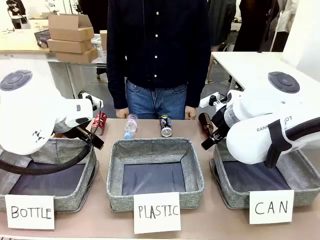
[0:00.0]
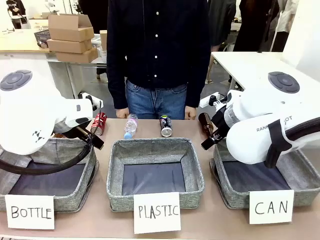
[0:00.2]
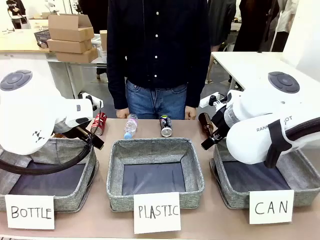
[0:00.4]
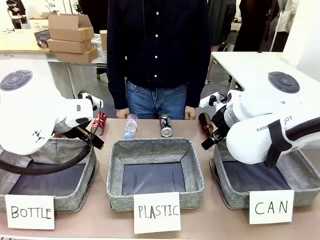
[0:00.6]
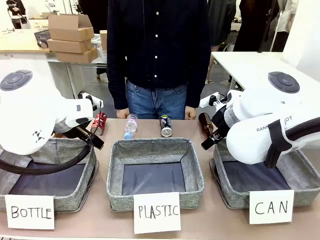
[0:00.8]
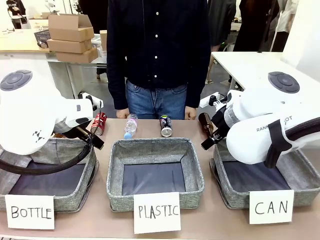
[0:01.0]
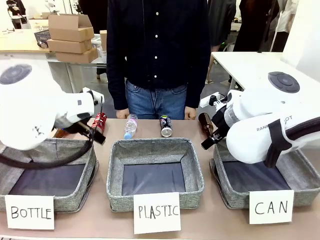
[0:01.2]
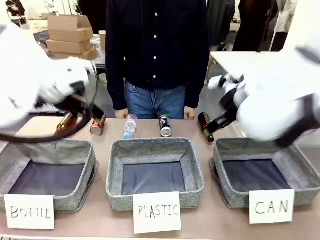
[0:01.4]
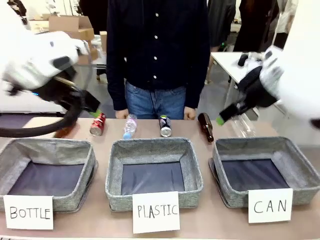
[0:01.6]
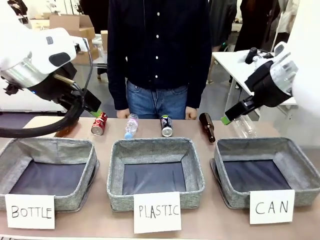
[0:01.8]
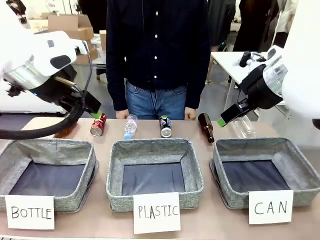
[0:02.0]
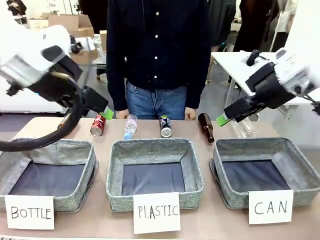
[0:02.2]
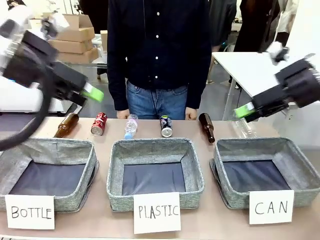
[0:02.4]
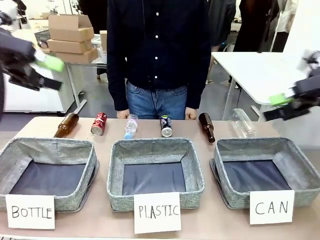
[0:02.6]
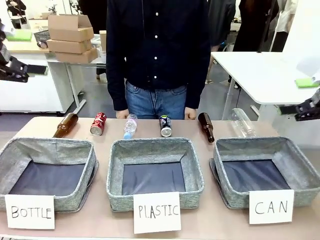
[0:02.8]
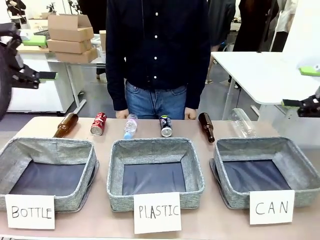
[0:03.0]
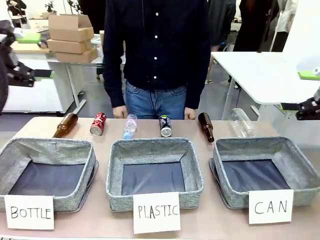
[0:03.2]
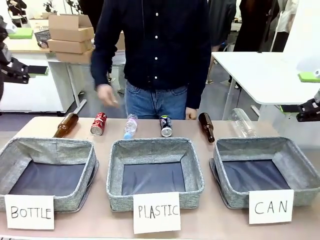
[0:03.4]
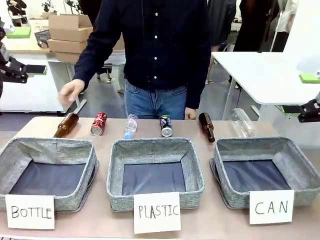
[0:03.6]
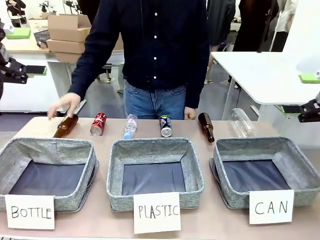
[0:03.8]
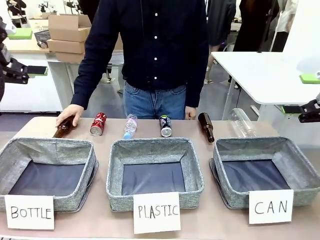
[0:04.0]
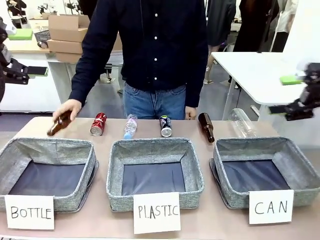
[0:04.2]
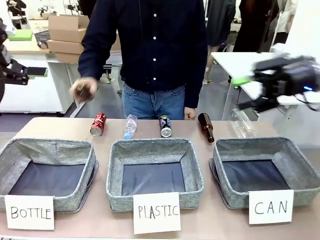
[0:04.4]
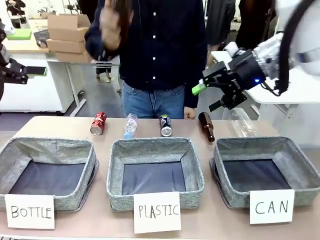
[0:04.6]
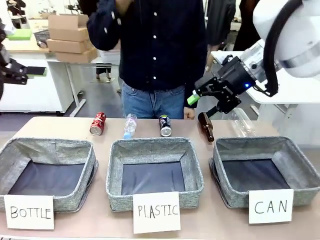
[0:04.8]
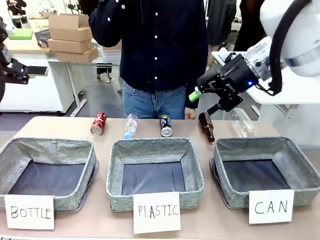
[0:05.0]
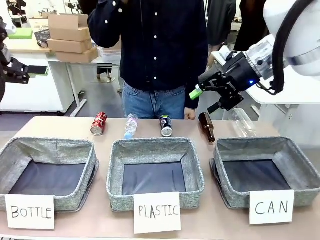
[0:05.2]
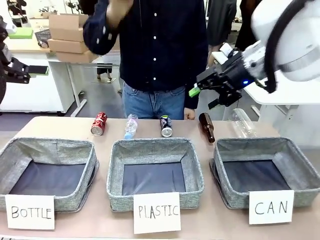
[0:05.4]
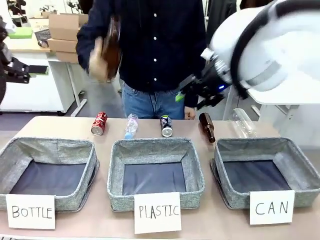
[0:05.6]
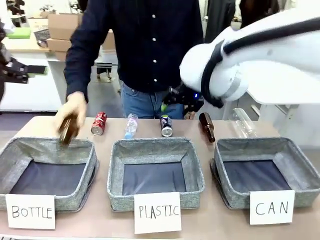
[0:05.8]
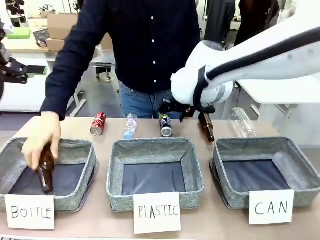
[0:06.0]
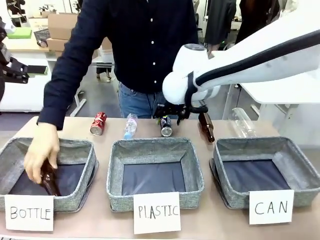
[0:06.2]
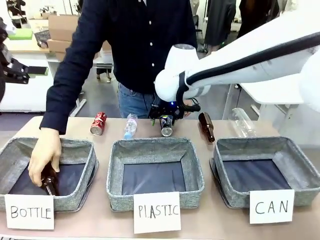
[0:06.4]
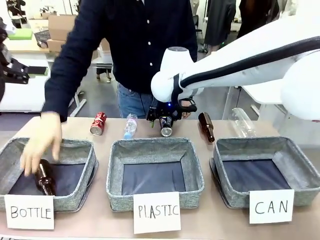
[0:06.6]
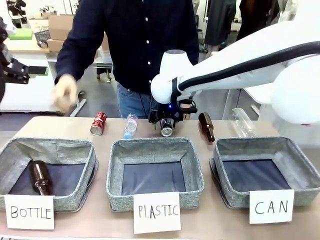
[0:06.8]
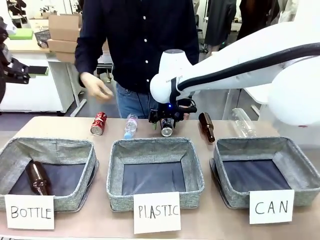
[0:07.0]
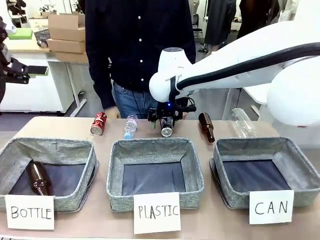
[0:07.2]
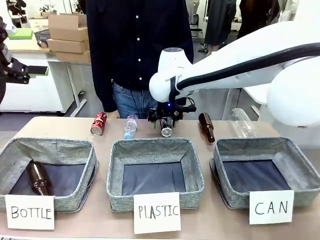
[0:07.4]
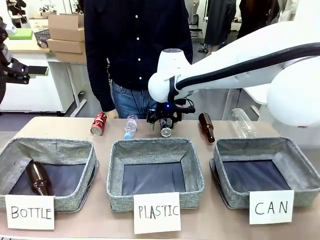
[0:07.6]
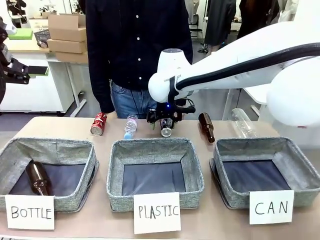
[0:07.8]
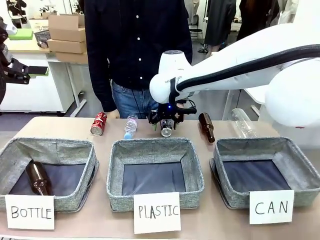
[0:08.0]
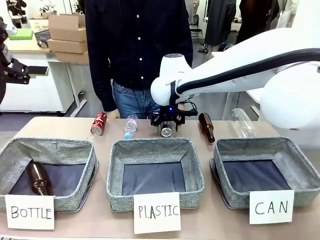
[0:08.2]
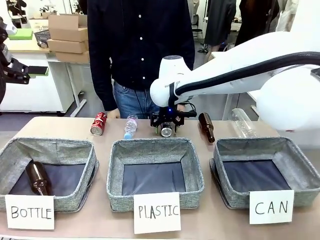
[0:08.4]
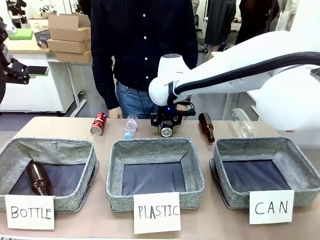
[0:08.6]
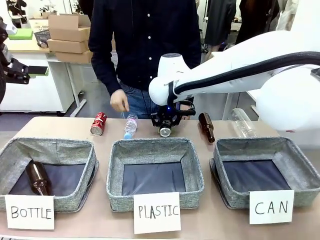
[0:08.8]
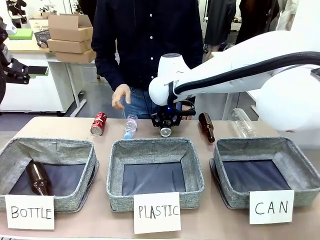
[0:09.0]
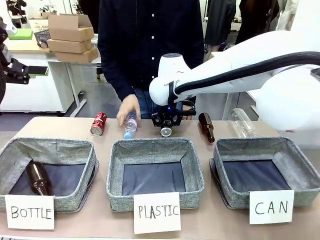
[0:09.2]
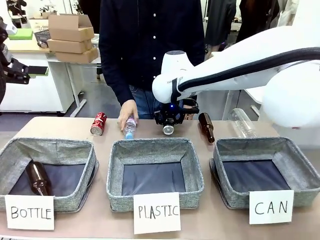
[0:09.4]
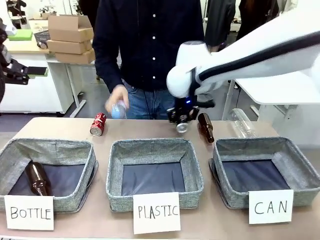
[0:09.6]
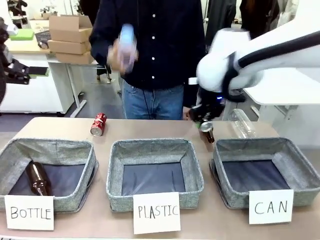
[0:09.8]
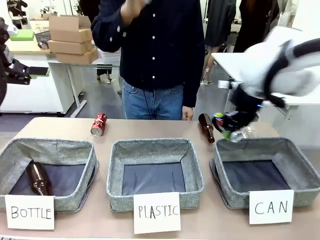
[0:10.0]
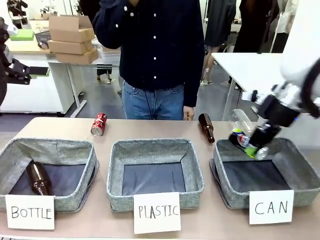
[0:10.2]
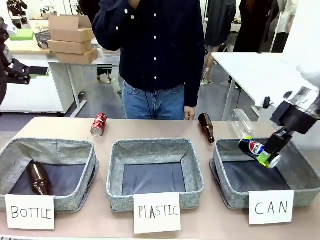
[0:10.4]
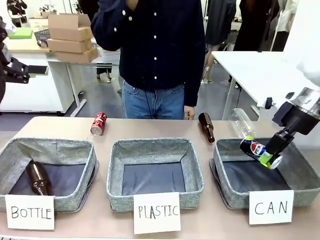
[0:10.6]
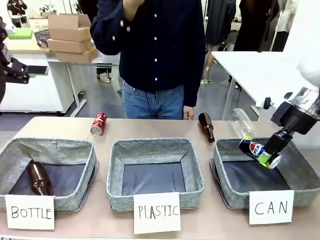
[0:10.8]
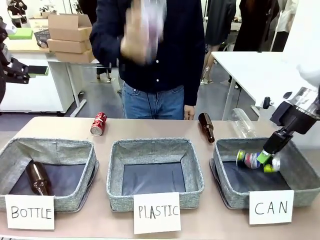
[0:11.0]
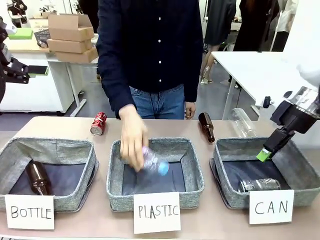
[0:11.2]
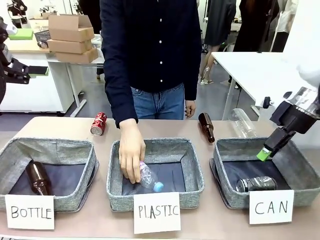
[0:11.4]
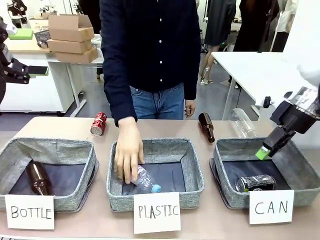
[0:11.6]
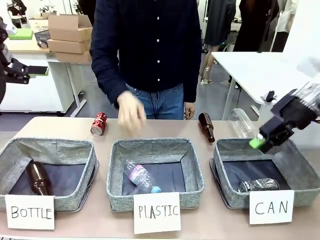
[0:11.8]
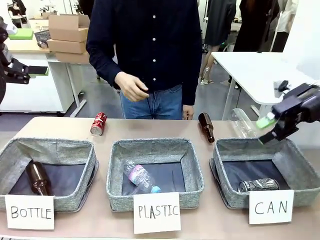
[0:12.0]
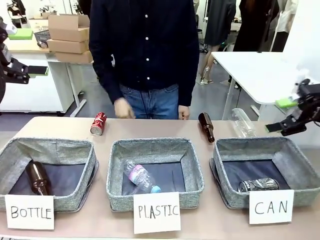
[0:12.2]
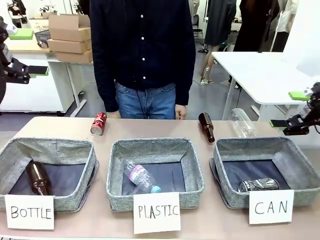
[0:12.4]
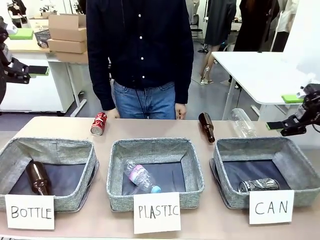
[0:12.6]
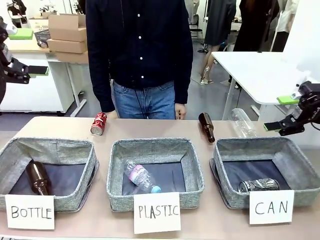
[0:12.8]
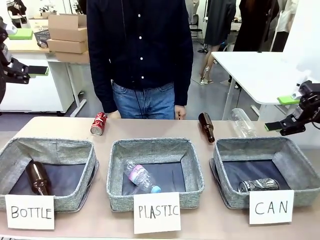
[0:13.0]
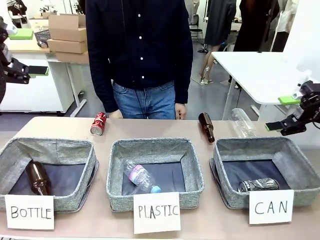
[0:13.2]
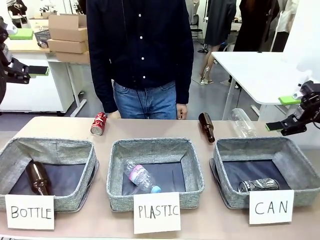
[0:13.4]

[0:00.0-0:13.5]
Task: Sort the can waste into the basket.
Robot: Pick up the can waste from the table and place it in the right Fabric basket.
